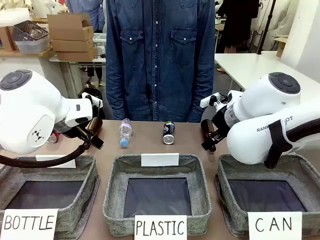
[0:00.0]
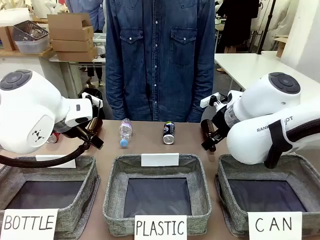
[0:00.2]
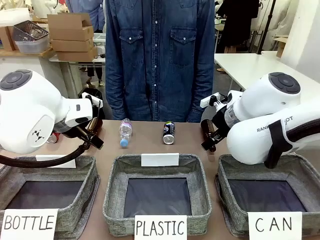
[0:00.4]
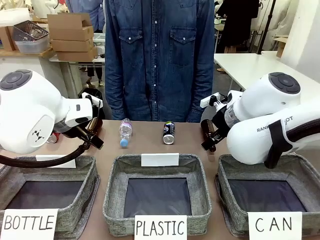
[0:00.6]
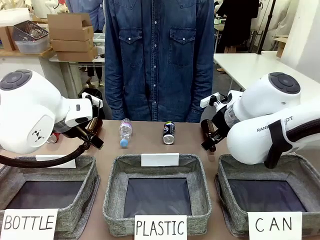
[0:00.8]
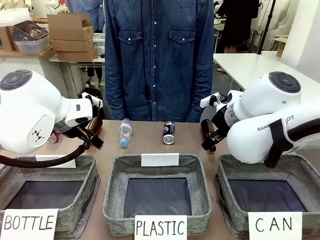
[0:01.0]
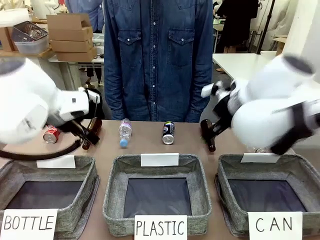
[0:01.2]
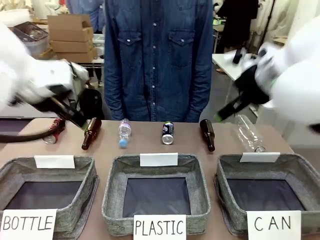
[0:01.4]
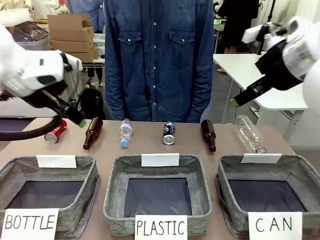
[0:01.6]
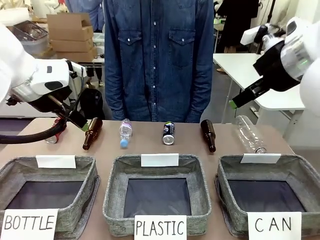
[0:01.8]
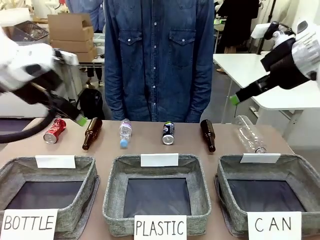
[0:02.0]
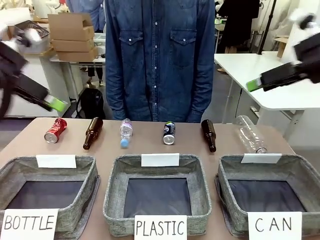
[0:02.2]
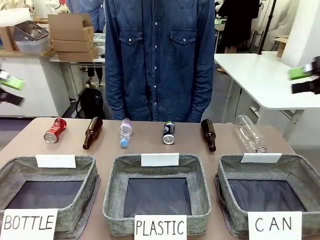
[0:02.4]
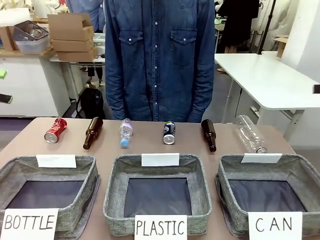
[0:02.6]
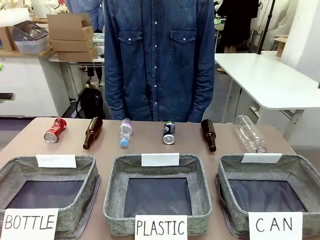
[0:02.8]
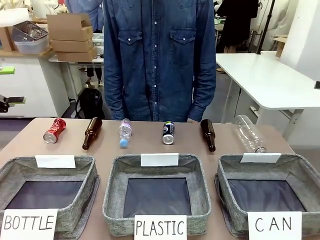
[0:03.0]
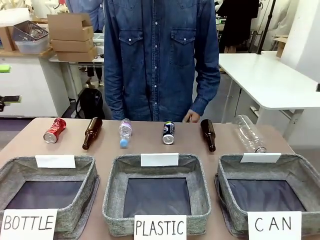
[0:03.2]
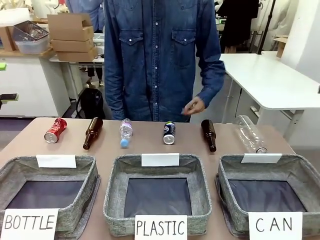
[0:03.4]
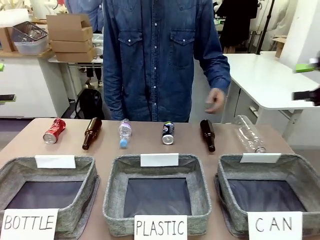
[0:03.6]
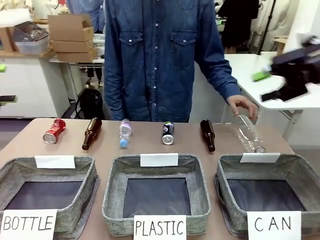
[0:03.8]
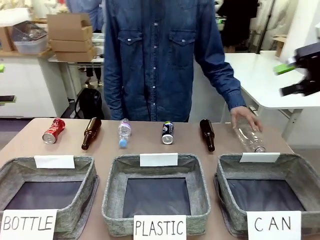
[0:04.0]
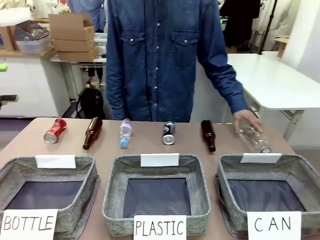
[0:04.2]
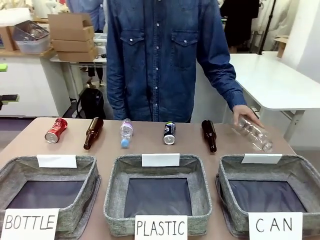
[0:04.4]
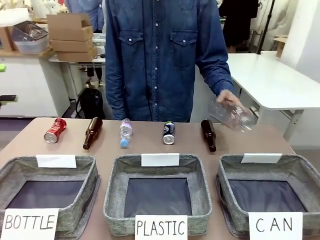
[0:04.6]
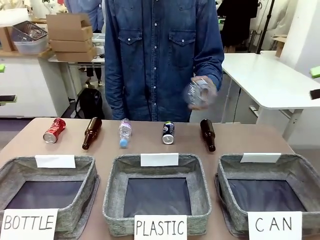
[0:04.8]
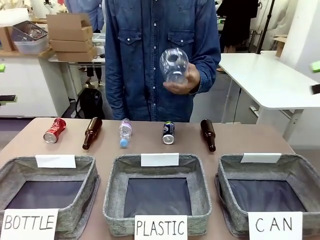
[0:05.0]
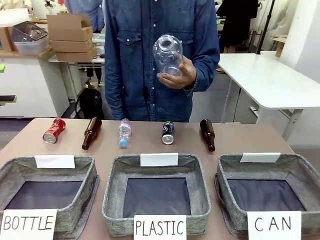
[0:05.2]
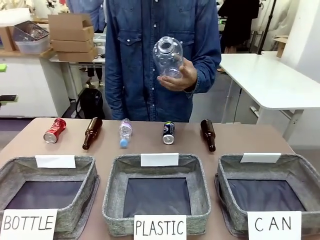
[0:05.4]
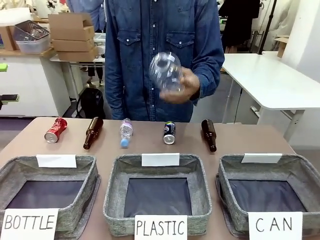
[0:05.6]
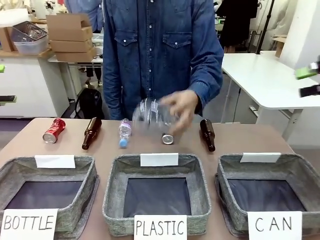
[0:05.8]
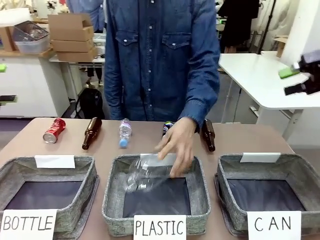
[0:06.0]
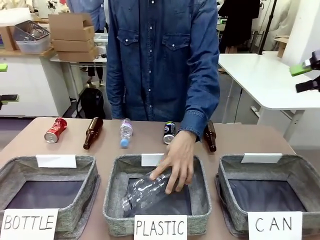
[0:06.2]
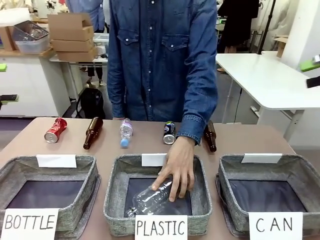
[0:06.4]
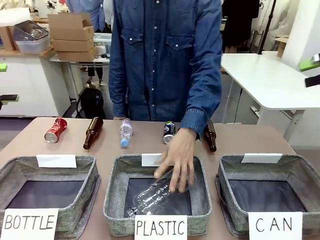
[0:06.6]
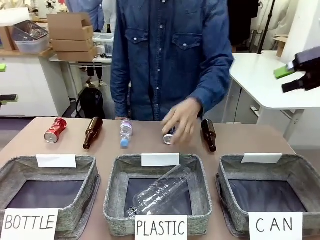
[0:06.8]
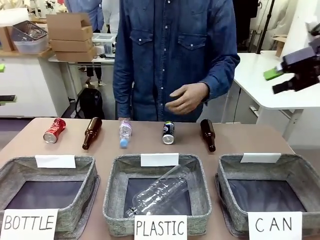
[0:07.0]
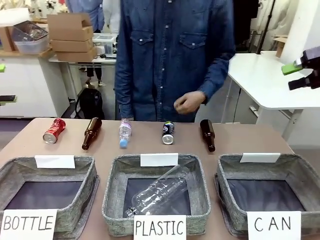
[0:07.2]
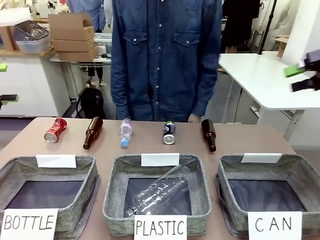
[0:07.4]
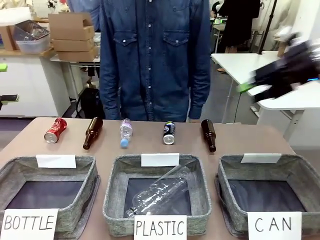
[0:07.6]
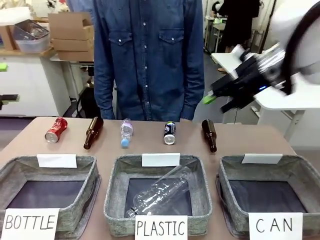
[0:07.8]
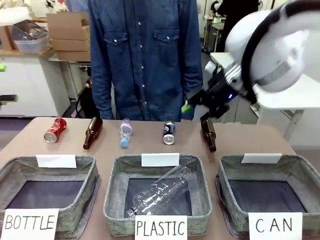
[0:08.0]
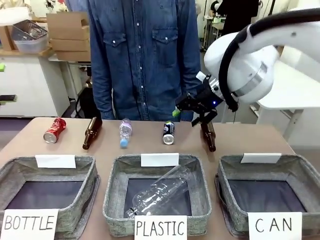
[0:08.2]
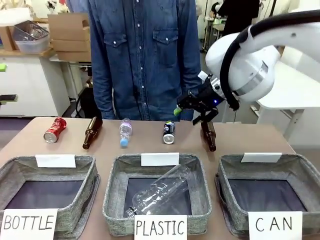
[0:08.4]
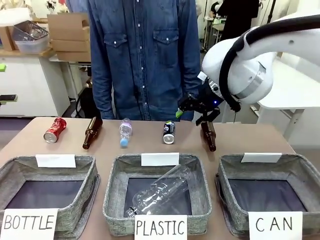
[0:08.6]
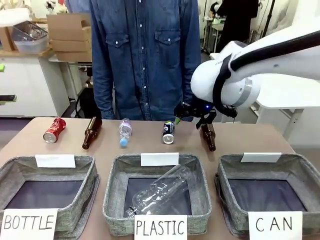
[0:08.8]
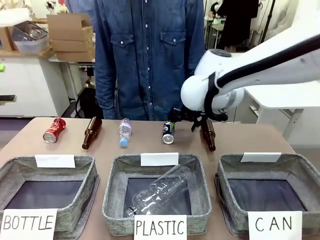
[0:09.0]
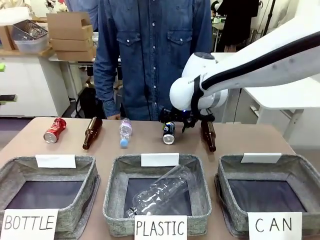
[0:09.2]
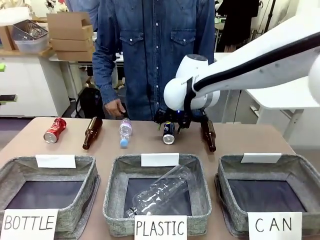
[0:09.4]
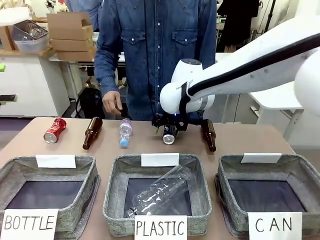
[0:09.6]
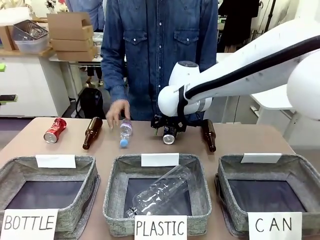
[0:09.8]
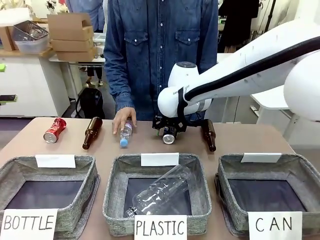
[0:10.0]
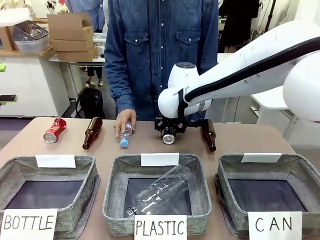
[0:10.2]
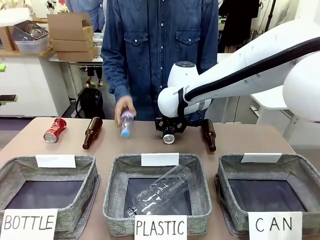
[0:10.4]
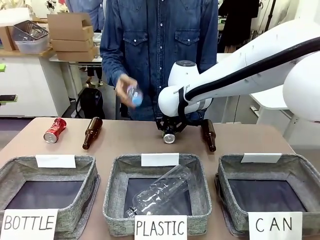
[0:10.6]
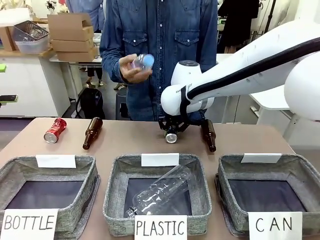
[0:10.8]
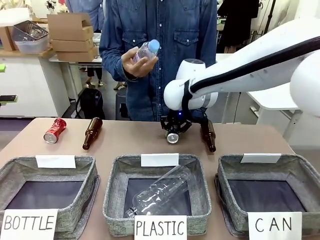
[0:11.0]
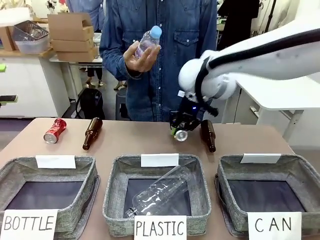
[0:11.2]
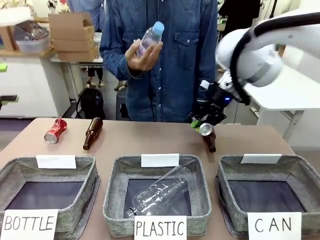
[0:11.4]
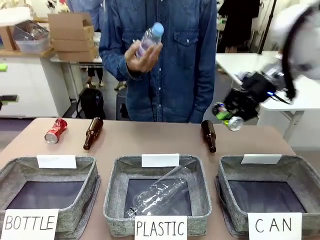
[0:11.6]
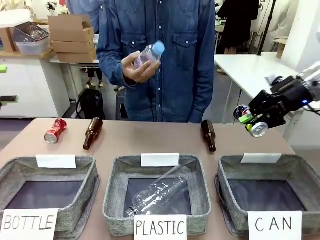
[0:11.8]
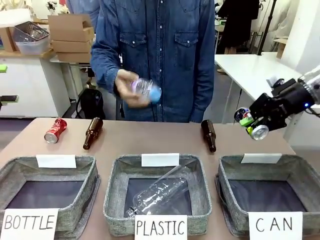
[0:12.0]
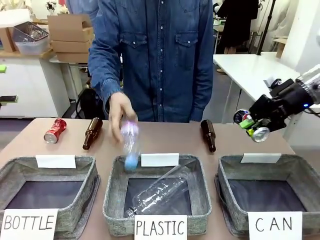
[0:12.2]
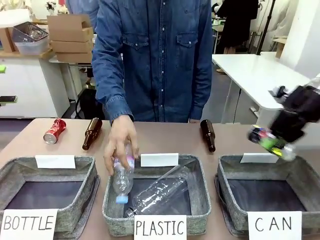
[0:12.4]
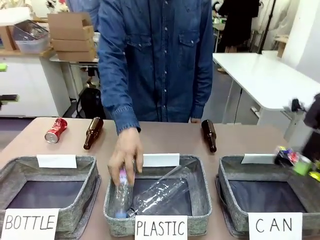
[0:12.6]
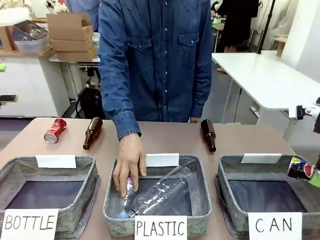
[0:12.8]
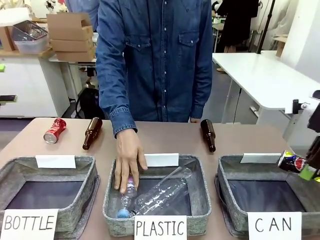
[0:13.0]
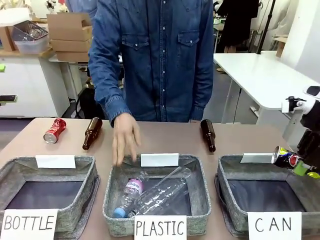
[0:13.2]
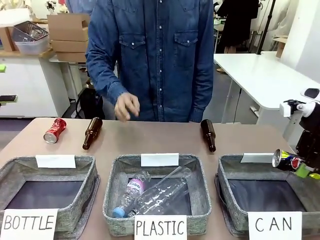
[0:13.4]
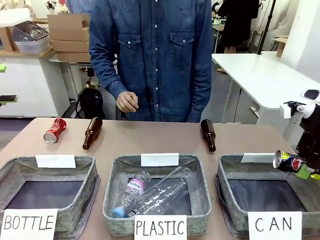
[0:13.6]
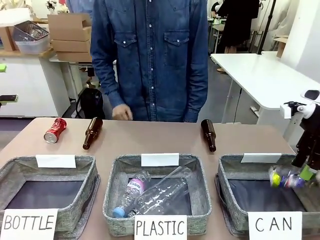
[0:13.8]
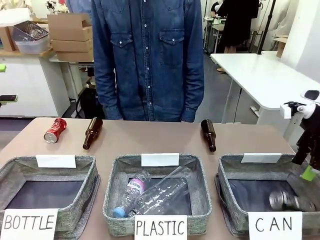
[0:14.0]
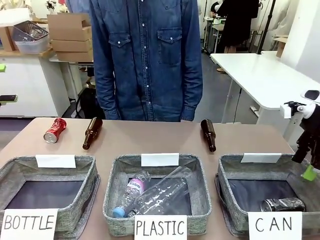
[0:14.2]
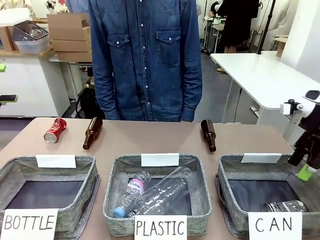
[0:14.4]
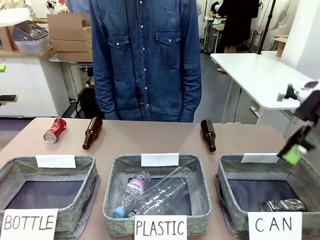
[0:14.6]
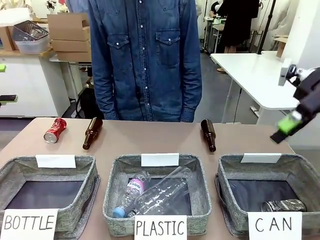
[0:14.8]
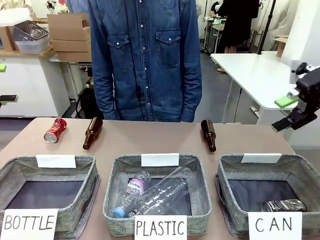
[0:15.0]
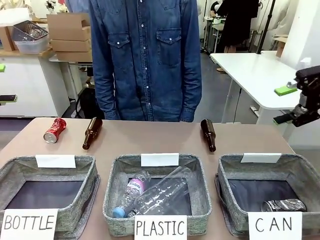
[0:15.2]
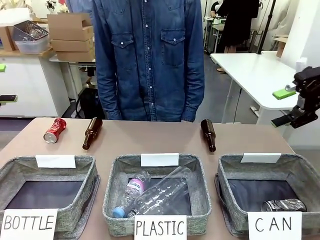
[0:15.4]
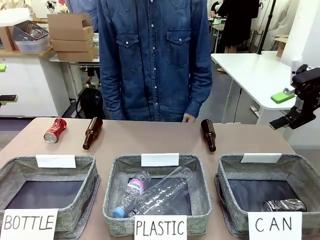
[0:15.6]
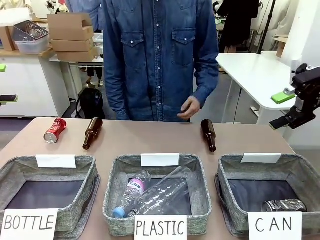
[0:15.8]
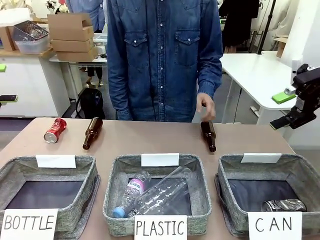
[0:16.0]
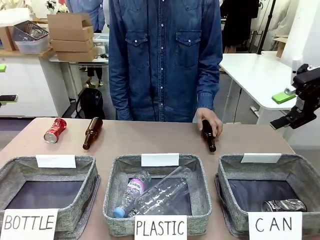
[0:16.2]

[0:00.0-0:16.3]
Task: Sort the can waste into the basket.
Robot: Pick up the can waste from the table and place it in the right Fabric basket.
